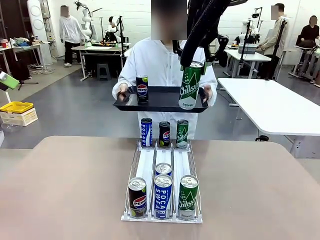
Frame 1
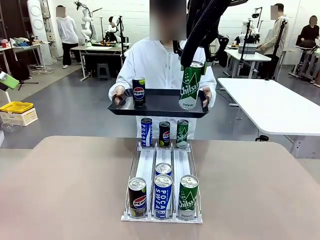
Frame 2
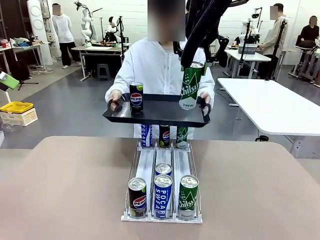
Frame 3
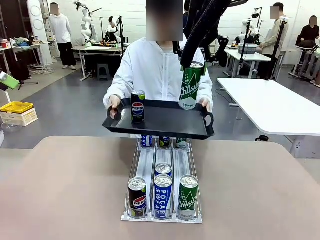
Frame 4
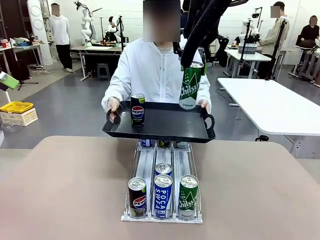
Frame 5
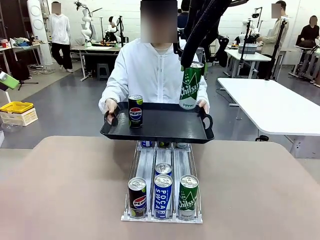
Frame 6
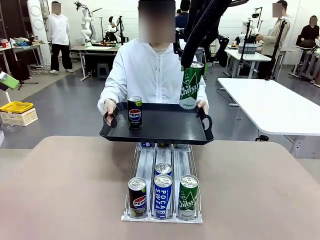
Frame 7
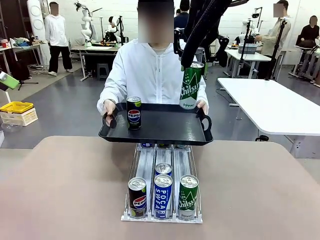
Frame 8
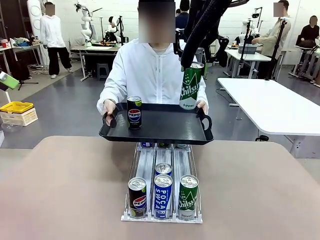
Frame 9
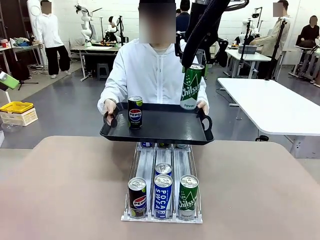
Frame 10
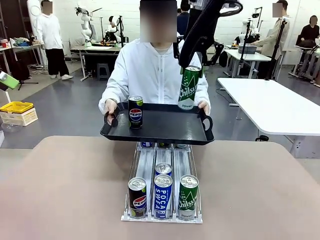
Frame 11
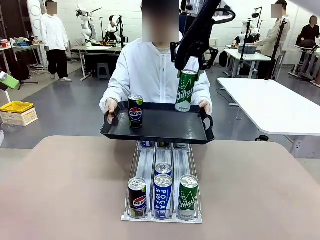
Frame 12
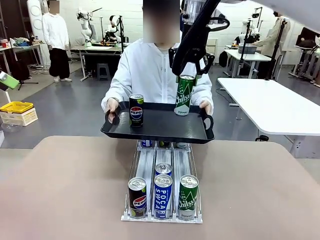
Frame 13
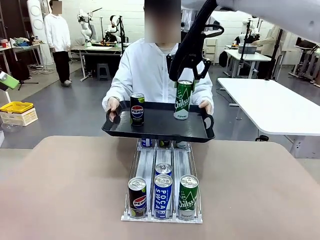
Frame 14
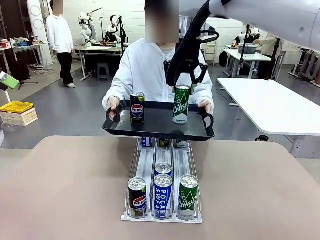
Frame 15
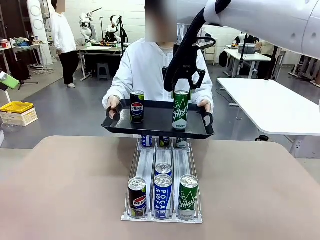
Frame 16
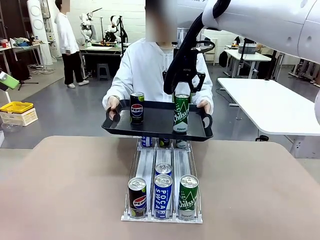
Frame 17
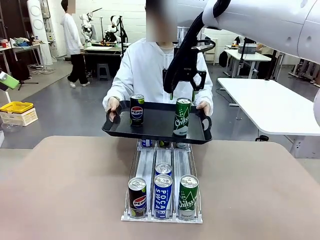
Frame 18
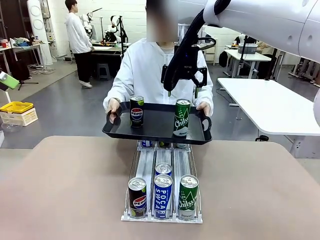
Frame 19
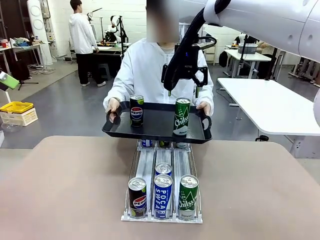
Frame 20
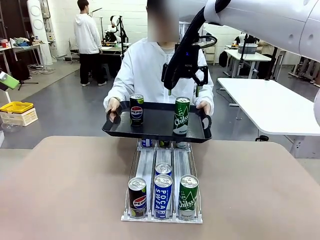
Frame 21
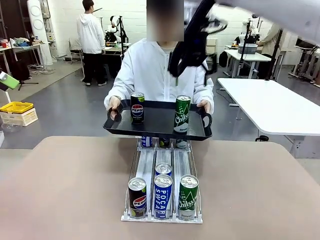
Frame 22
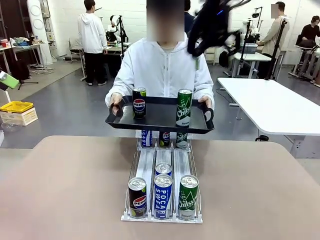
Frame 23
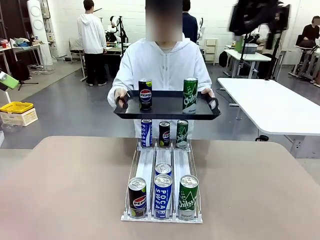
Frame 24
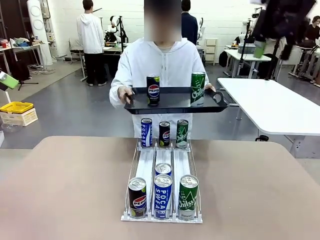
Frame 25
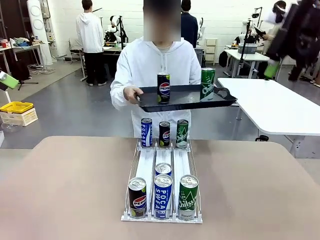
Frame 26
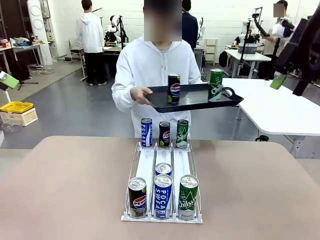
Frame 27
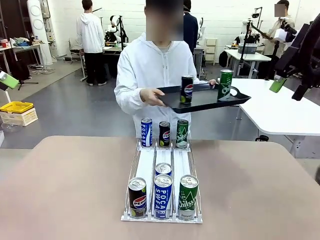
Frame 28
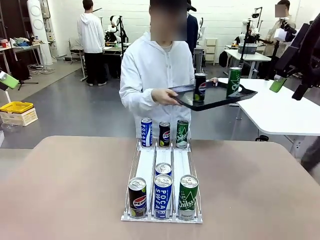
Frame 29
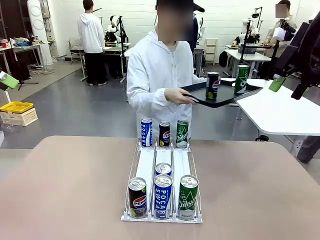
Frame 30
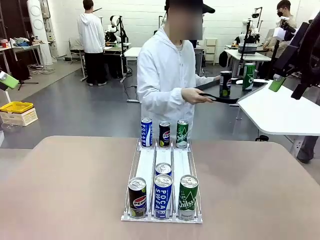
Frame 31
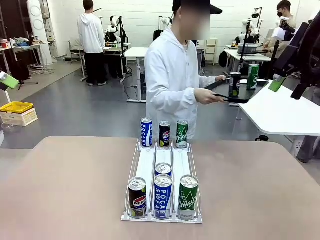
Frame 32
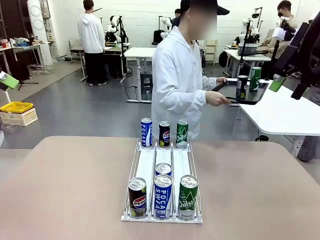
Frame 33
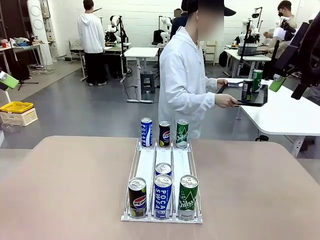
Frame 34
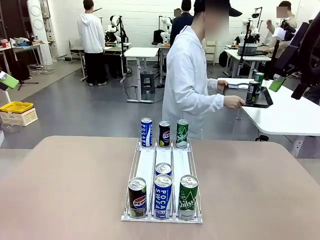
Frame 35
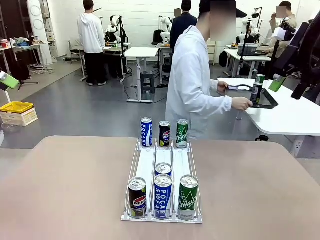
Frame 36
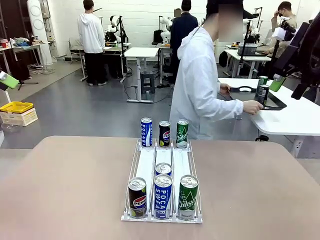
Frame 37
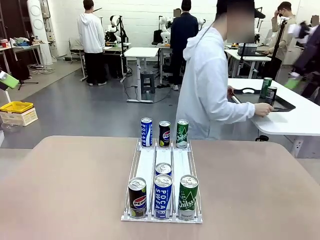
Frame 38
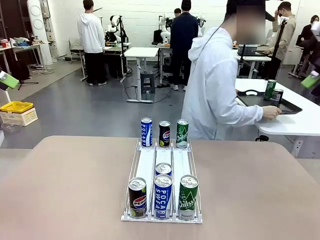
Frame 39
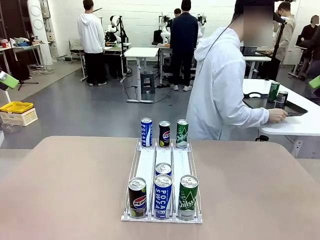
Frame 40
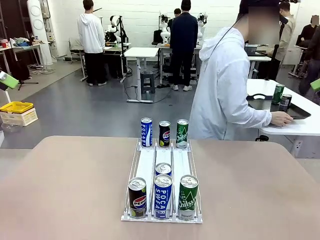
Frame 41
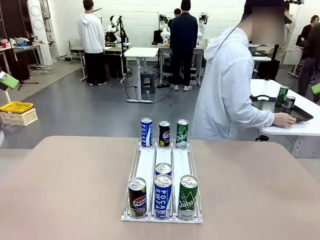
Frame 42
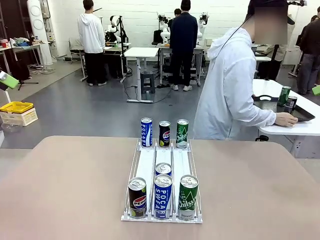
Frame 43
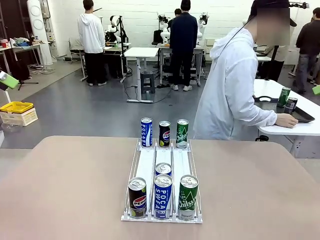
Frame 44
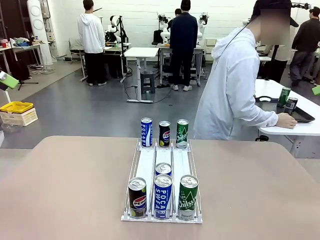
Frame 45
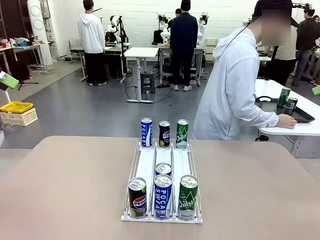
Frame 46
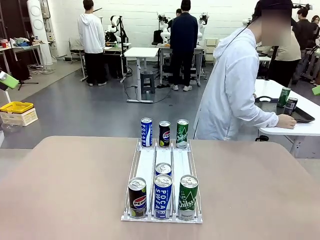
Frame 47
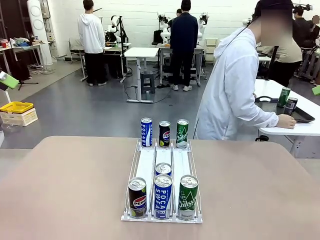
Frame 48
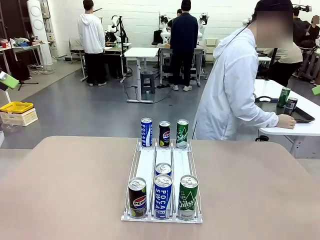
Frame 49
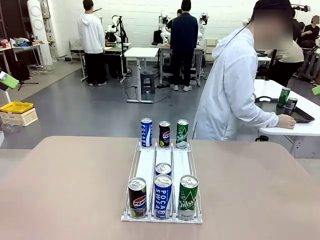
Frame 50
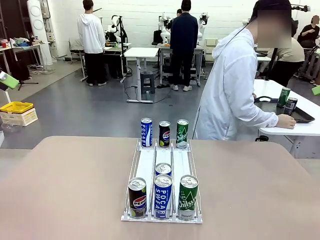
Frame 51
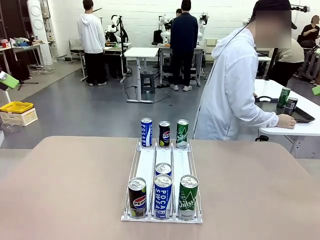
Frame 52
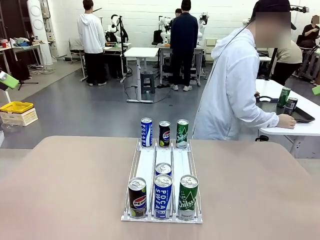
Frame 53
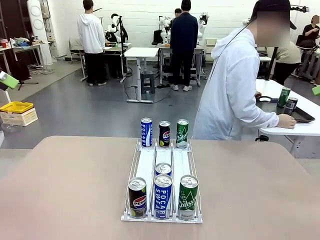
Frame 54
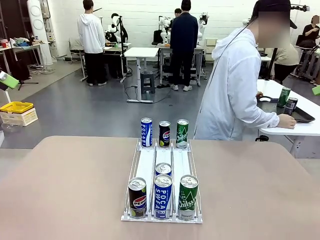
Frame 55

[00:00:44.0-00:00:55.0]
Task: Retrieve and hand over the desired beverage to the person.
Robot: Place the picked can on the Handle tray extended by the person.
Person: Pull the tray back and place it at the center of the human table.

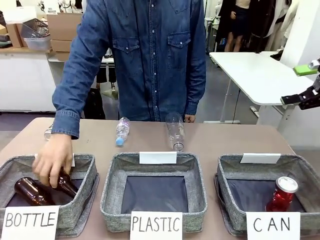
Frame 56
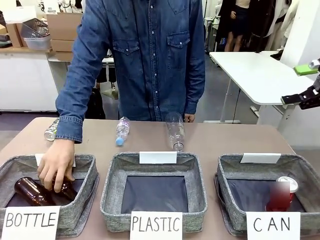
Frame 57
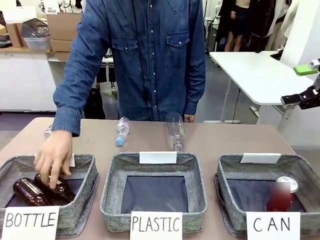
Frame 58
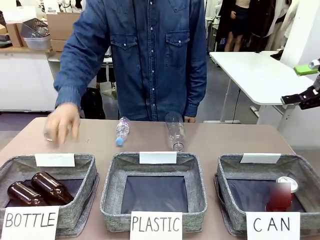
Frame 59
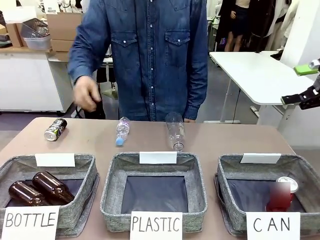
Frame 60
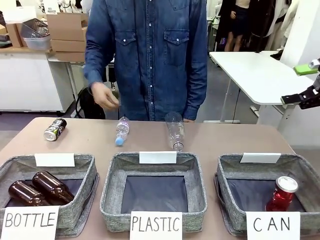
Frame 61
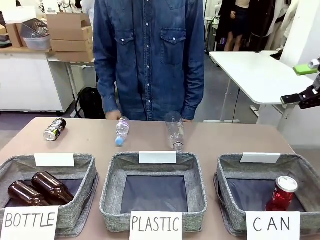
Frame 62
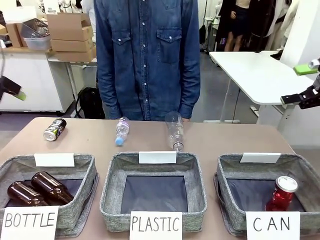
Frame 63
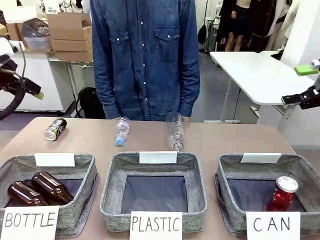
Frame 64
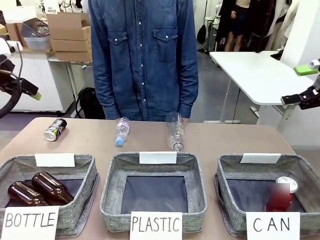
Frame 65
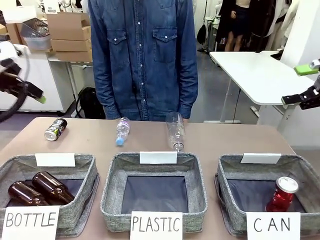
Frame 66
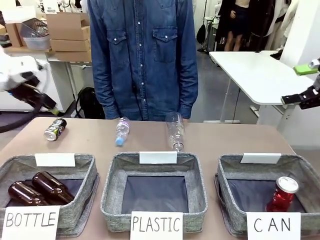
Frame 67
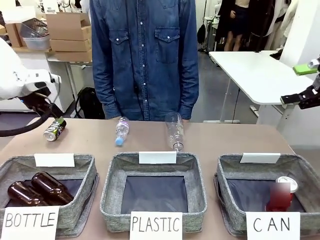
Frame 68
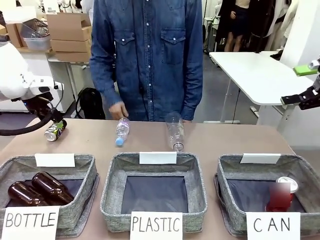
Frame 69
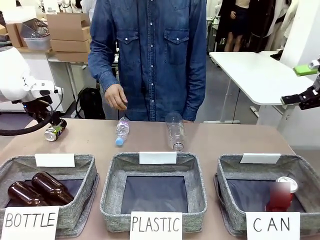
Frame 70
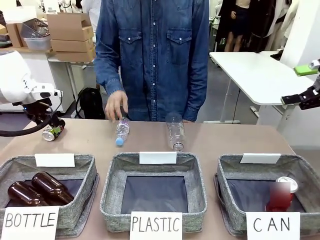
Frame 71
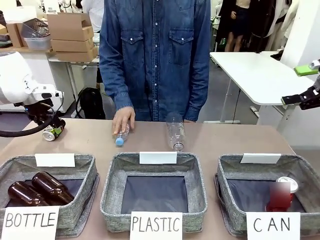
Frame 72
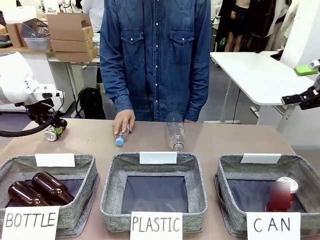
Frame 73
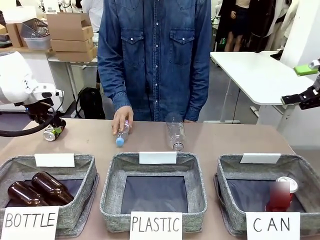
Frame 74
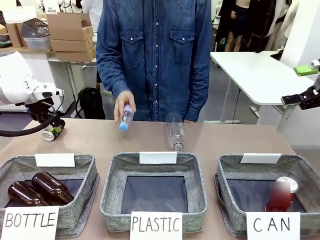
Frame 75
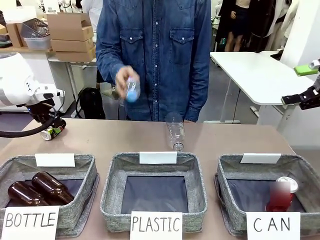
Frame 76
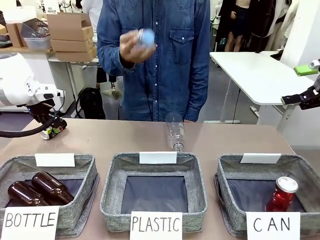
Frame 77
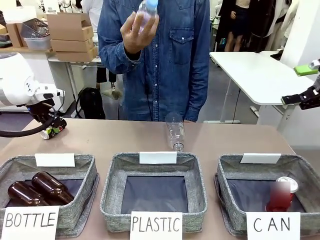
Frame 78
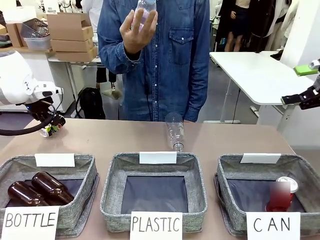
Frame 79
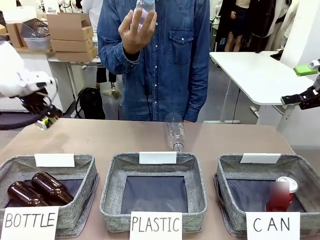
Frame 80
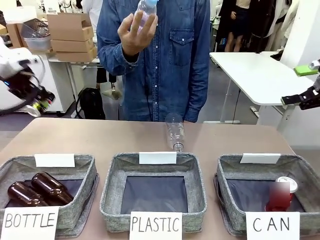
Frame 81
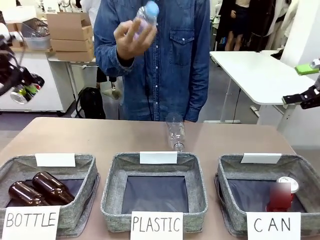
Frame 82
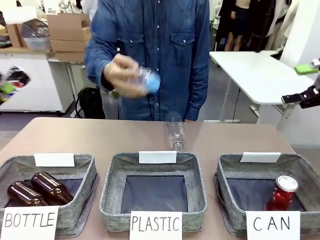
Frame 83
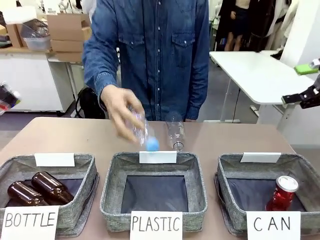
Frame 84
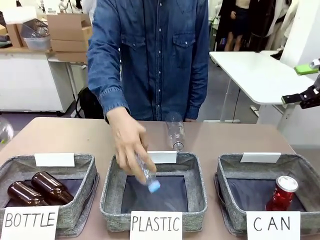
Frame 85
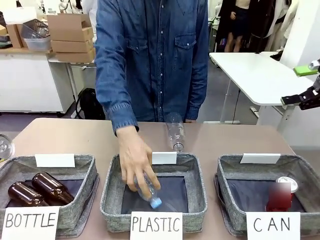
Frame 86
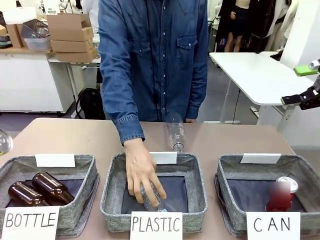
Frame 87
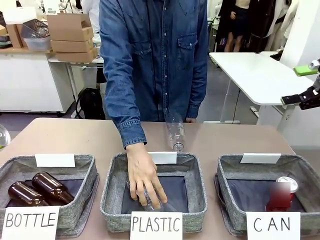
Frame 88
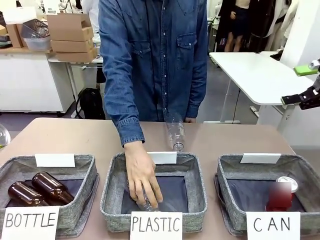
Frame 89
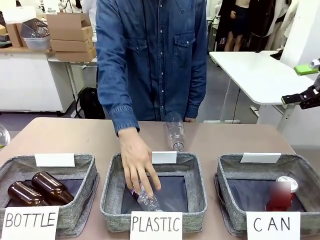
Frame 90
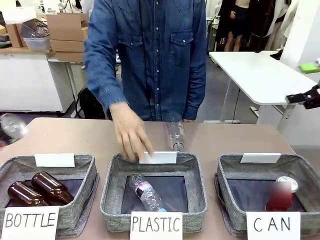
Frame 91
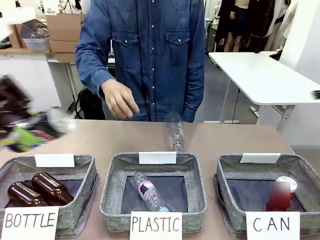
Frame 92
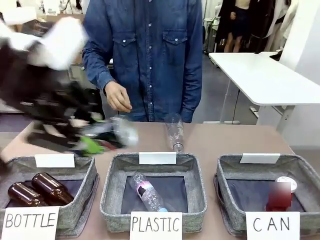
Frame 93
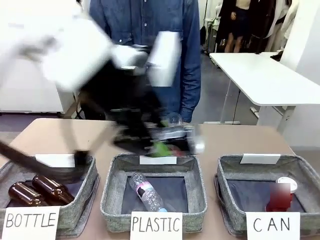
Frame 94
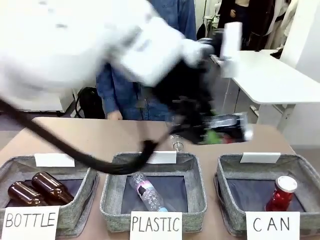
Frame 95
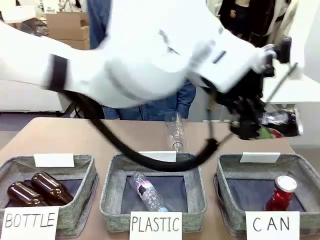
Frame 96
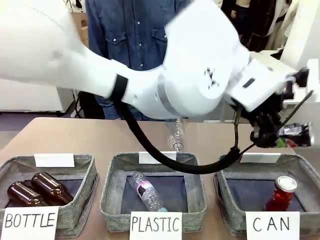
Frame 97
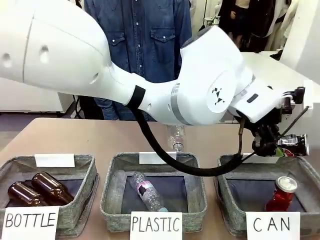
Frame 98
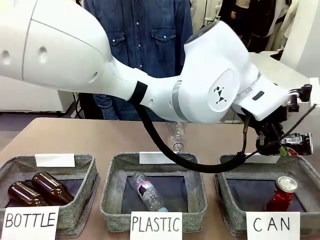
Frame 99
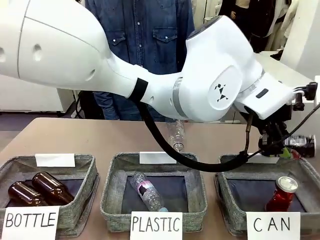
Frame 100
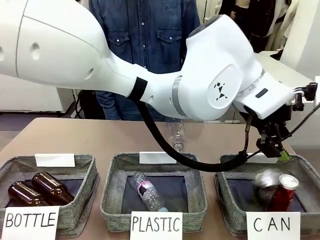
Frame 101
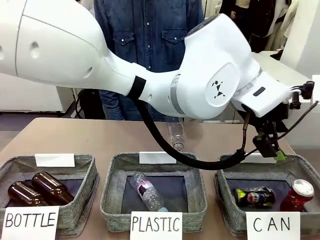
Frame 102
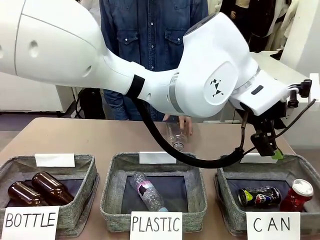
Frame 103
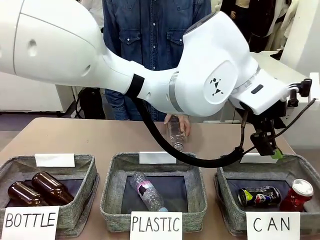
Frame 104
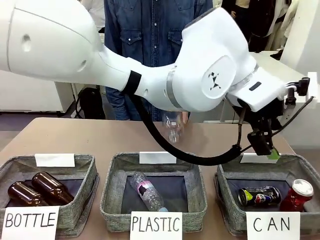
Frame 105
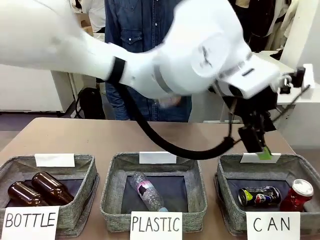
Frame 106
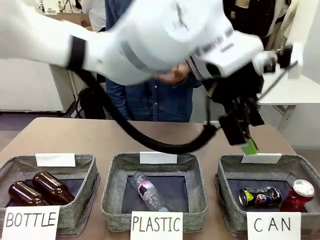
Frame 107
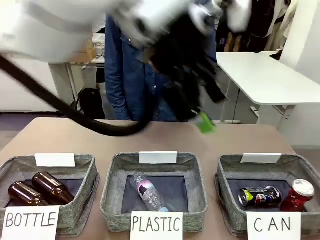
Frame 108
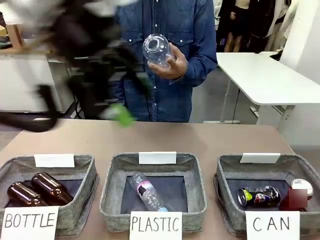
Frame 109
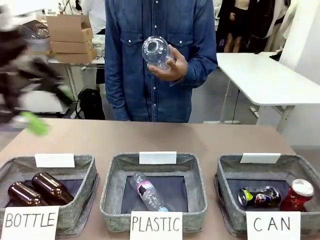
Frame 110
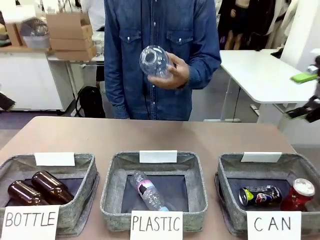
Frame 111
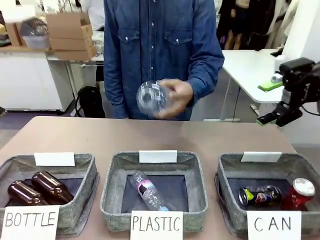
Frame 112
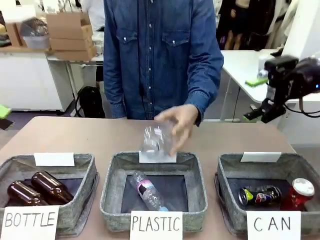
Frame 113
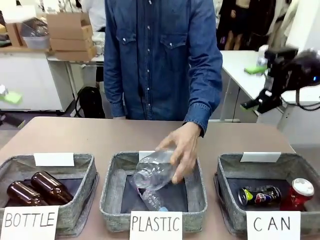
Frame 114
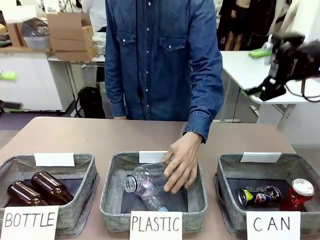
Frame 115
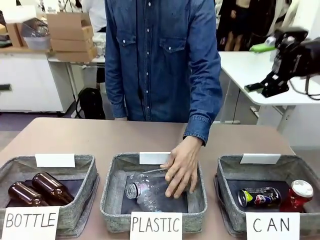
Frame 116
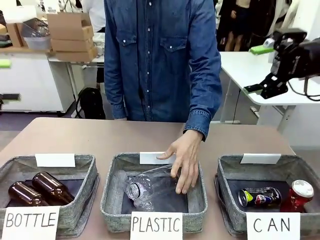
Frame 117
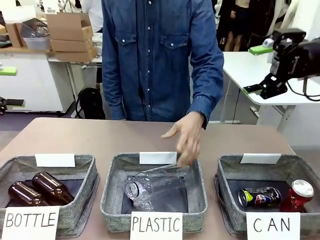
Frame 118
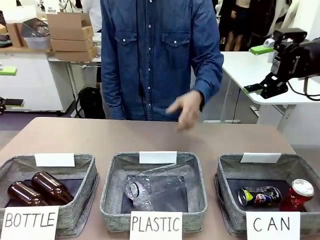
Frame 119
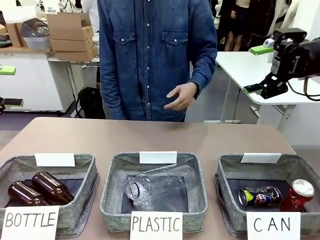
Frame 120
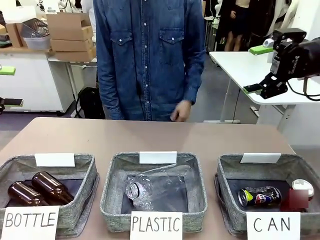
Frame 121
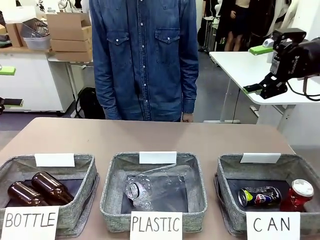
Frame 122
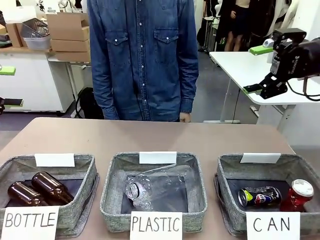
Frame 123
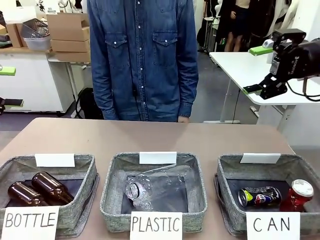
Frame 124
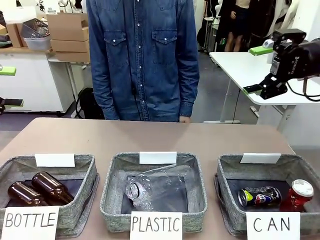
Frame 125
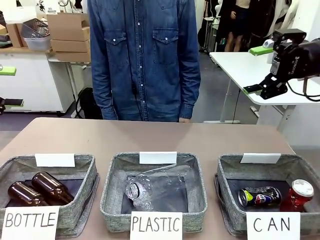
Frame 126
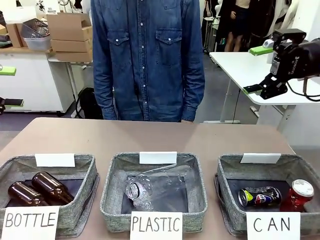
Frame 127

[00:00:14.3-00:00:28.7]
Task: Sort the can waste into the basket.
Robot: Pick up the can waste from the table and place it in the right Fabric basket.
Person: The human picks up one piece of trash that is not a can and places the trash into the appropriate organizing basket.
